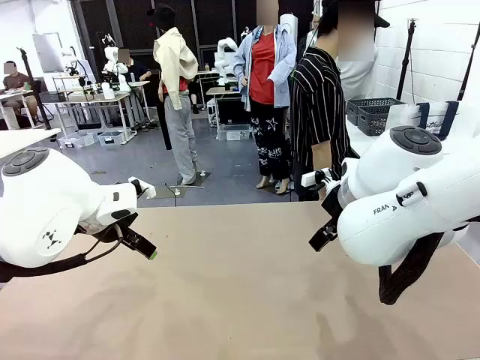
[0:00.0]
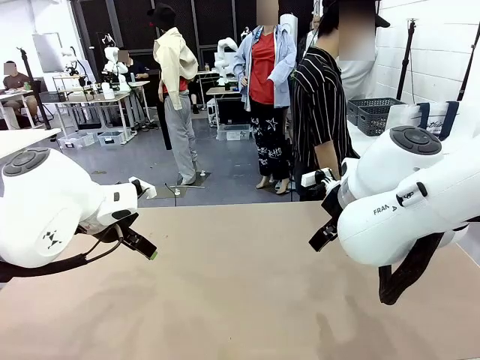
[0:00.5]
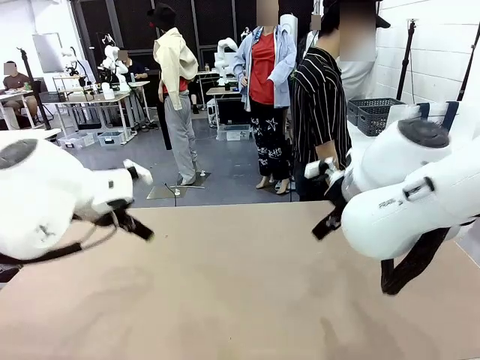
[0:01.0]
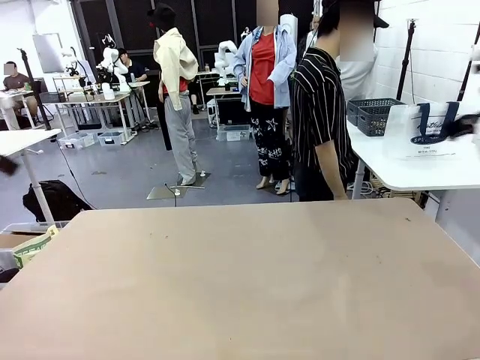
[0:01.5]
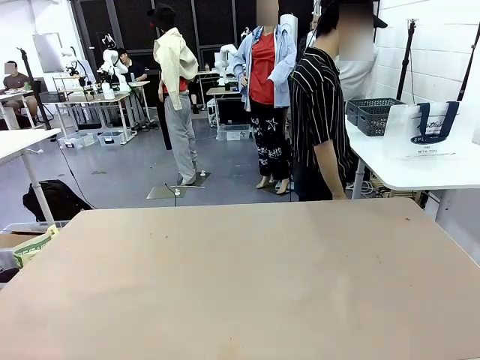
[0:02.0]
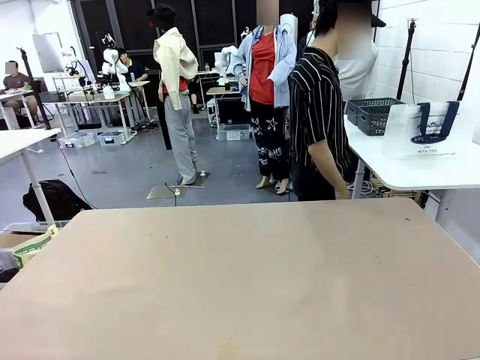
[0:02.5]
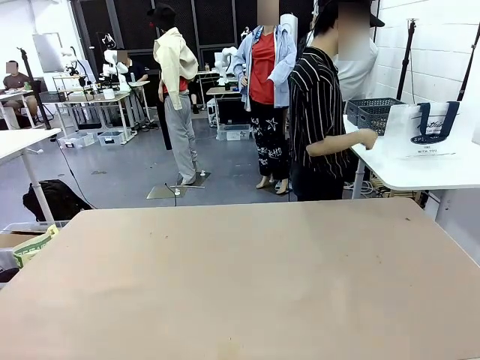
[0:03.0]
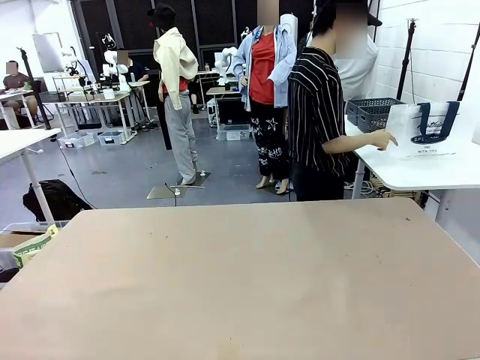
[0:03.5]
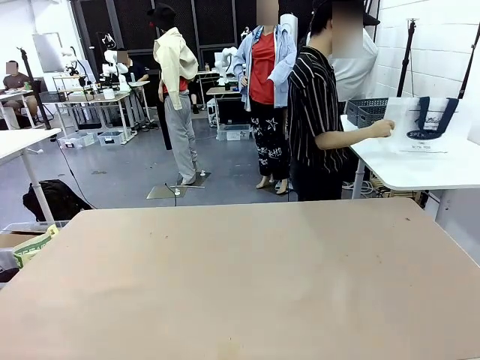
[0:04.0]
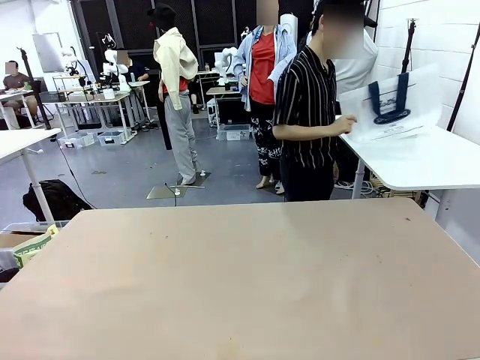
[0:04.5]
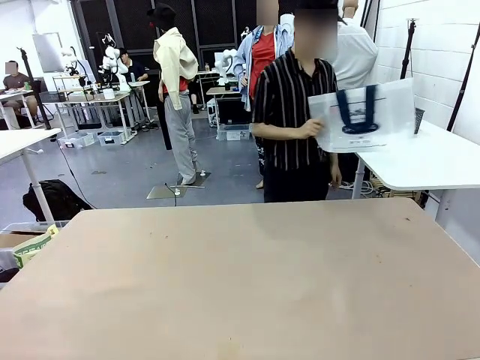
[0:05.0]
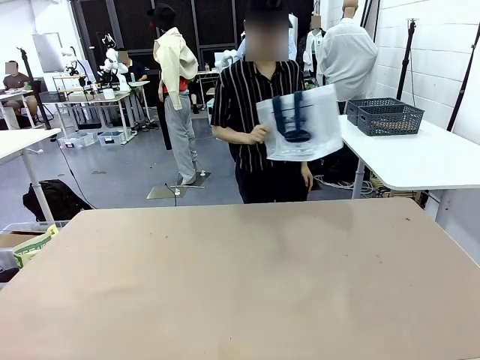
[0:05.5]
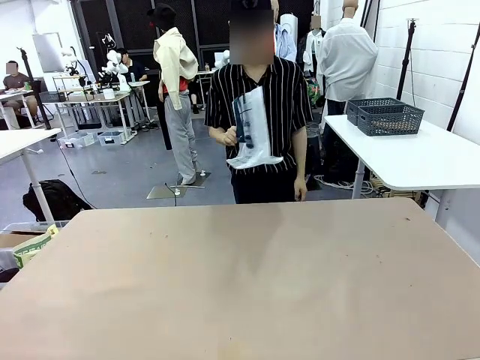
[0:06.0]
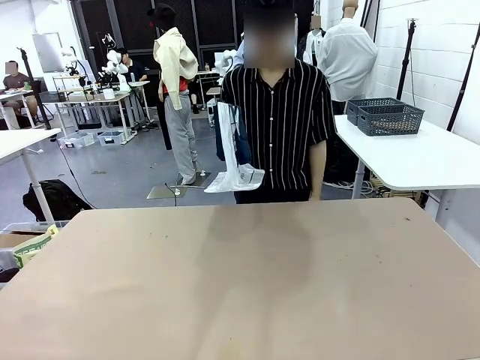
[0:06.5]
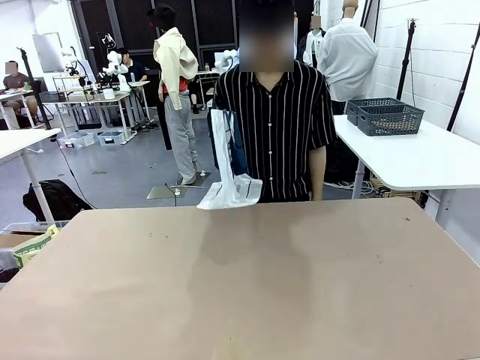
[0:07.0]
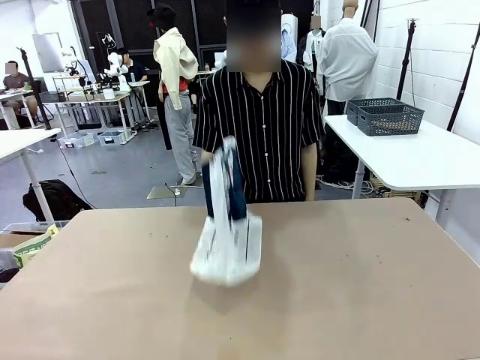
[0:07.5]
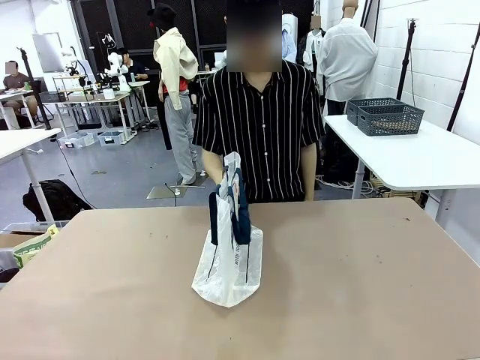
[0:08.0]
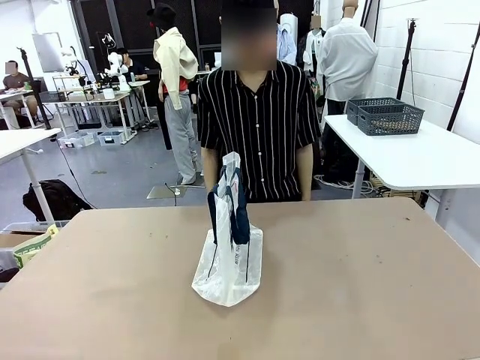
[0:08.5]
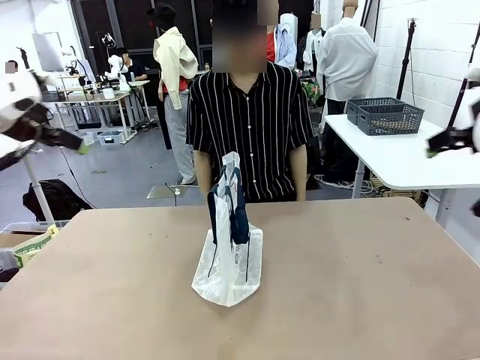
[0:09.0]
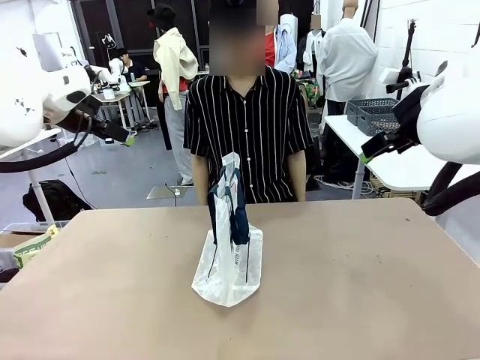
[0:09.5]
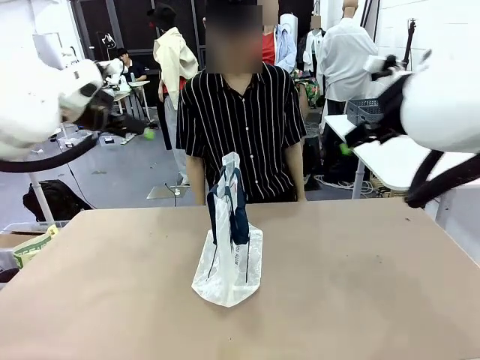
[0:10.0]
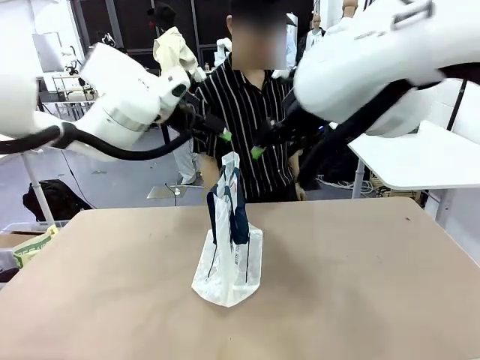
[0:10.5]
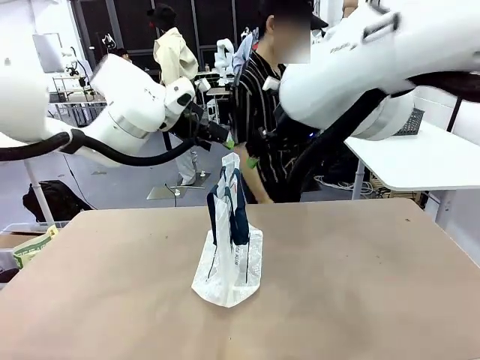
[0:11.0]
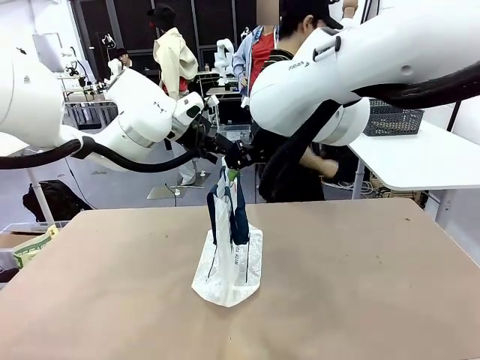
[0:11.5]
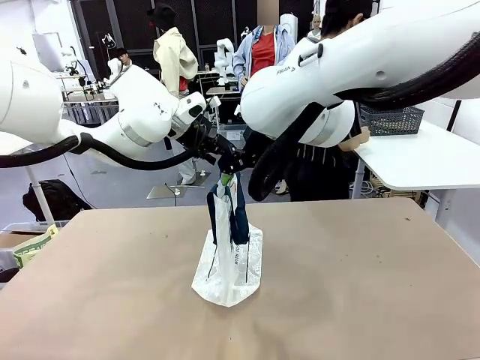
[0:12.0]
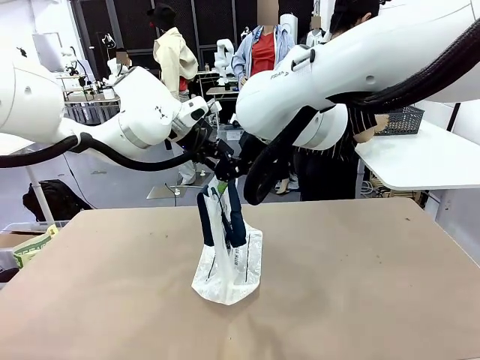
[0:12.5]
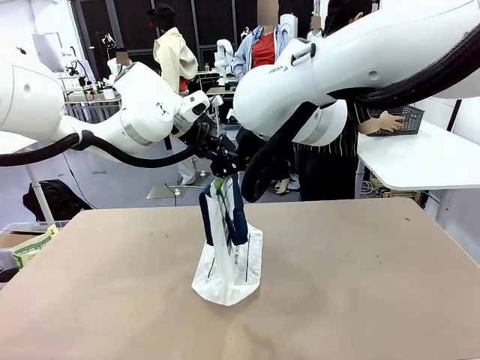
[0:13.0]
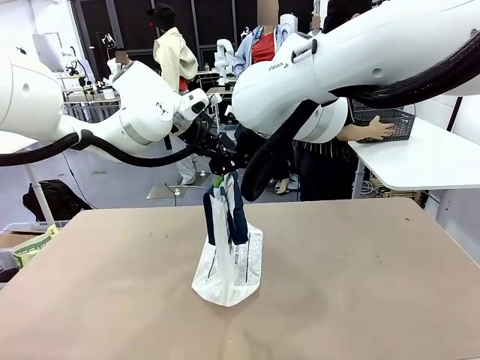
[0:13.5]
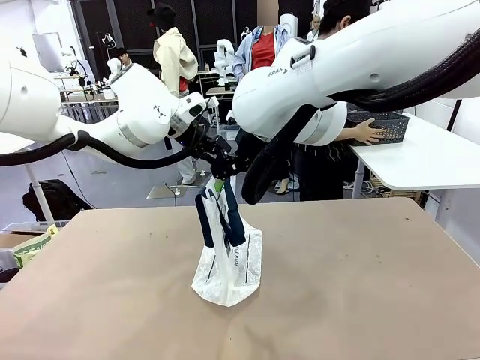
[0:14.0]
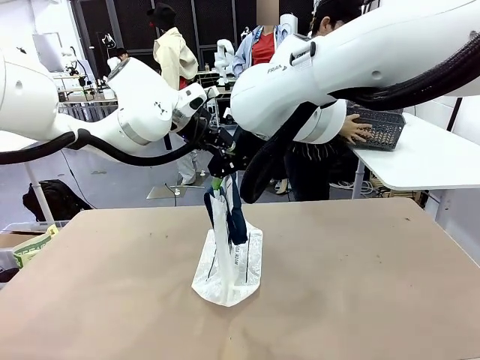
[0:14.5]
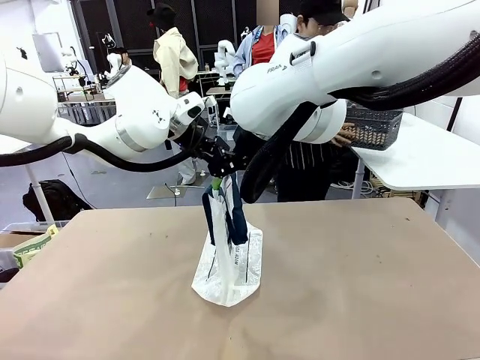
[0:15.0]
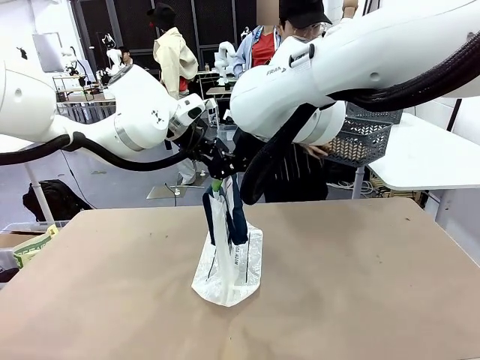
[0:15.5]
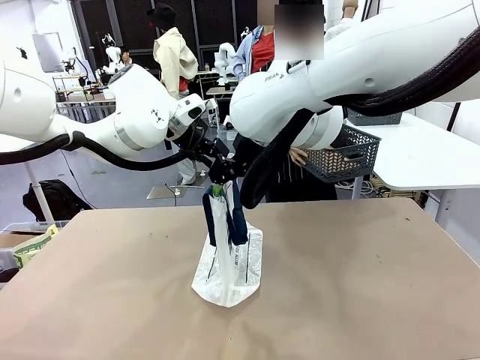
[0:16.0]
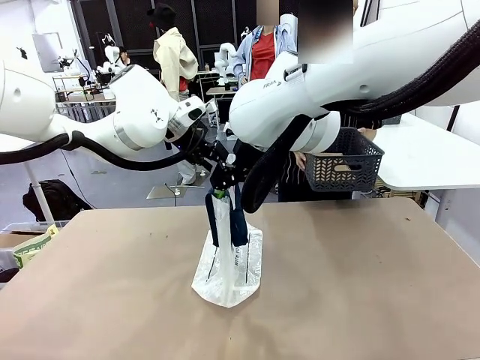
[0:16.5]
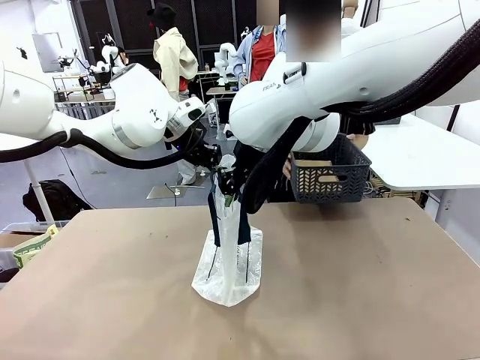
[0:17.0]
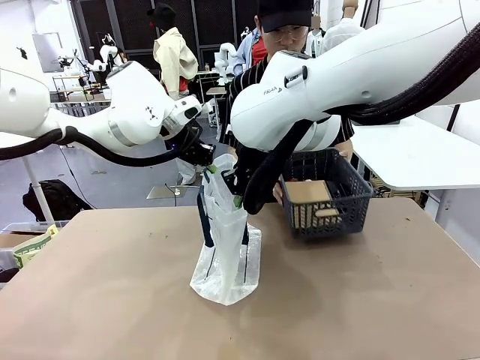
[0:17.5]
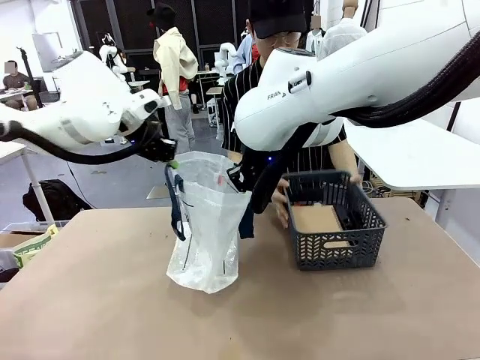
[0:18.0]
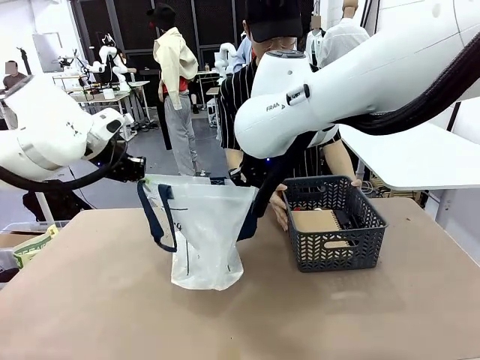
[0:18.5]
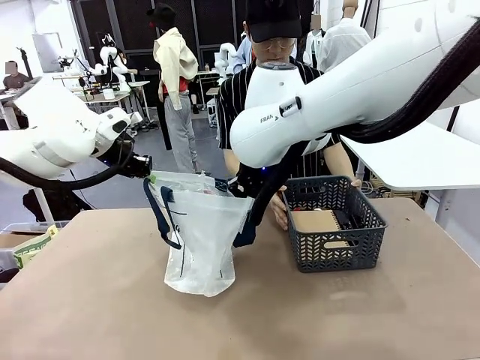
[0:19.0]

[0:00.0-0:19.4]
Task: Transfer purchased items from the store into the shopping bag.
Robot: Open the Reusable shopping bag in the center of the table.
Person: Pick up the shopping bag and place it in the middle of the robot table. Pick up the basket on the right, place it on the left side of the robot table, and move the items in the basket to the shopping bag.
